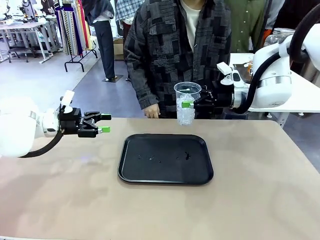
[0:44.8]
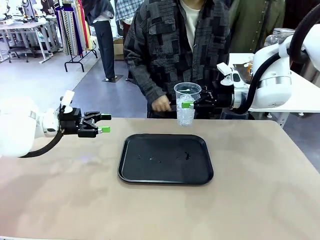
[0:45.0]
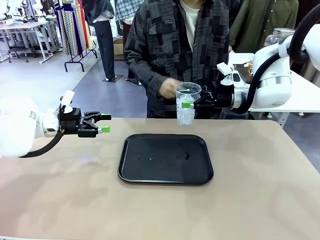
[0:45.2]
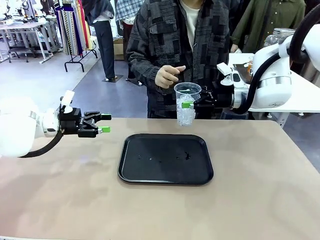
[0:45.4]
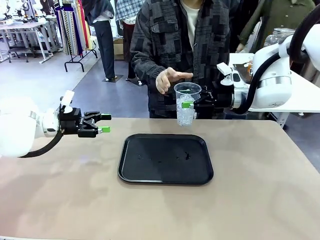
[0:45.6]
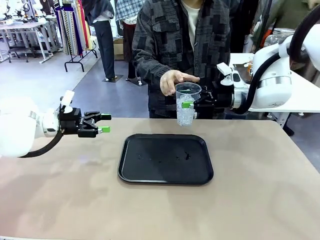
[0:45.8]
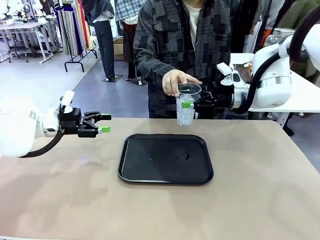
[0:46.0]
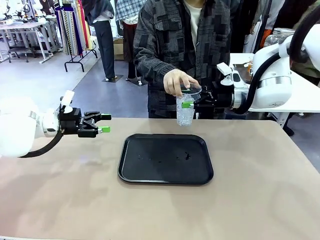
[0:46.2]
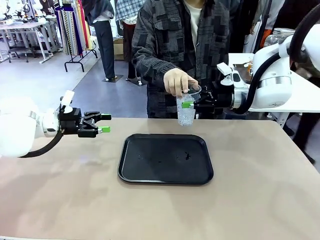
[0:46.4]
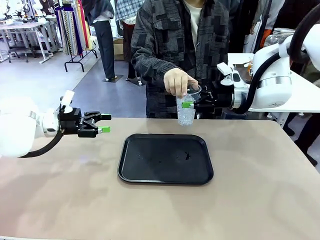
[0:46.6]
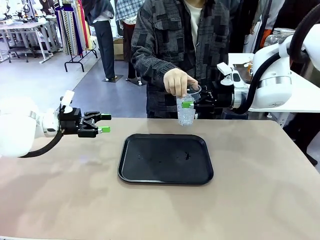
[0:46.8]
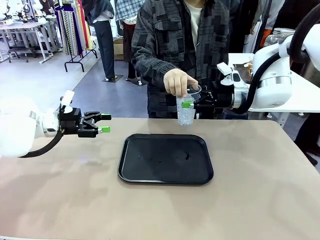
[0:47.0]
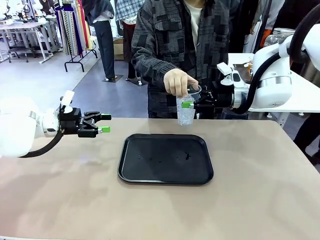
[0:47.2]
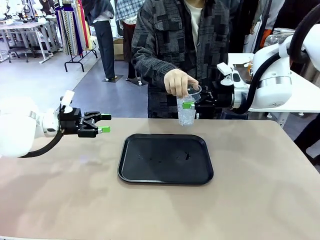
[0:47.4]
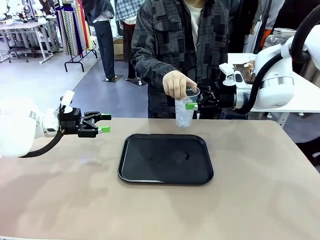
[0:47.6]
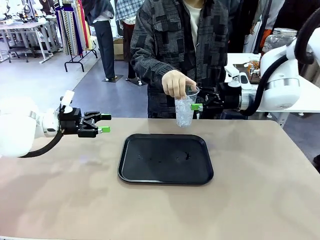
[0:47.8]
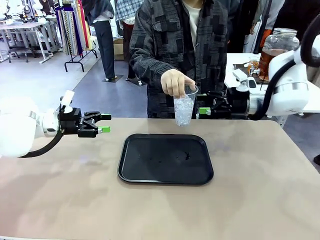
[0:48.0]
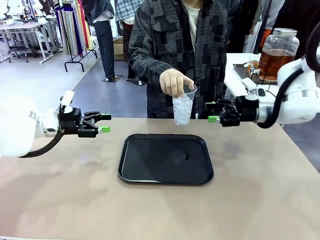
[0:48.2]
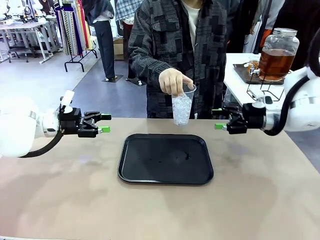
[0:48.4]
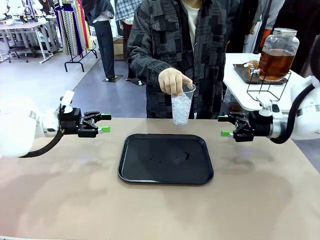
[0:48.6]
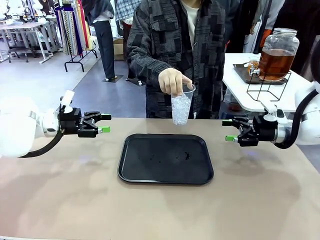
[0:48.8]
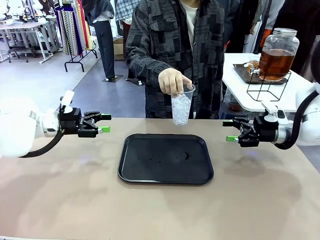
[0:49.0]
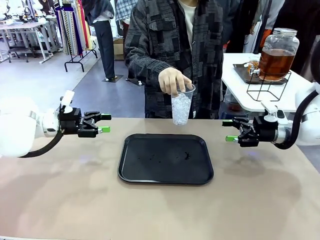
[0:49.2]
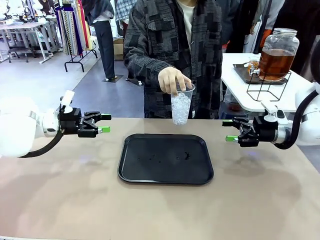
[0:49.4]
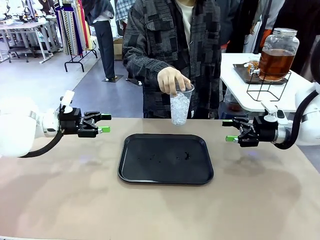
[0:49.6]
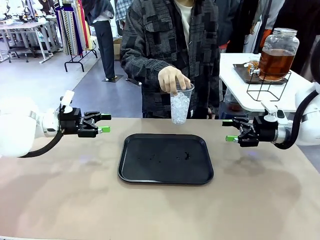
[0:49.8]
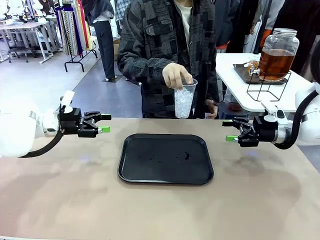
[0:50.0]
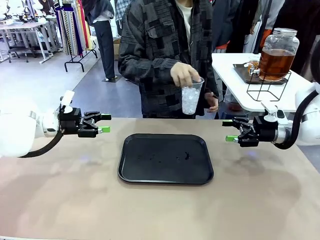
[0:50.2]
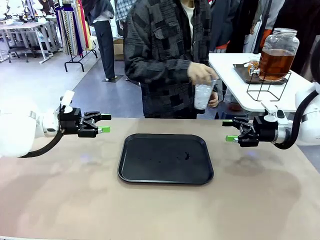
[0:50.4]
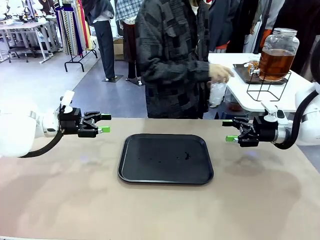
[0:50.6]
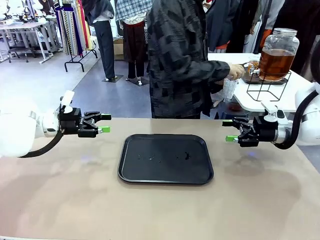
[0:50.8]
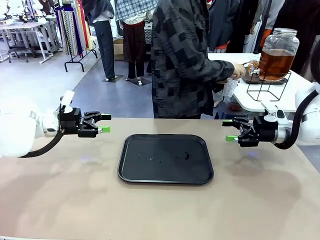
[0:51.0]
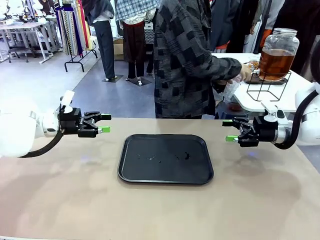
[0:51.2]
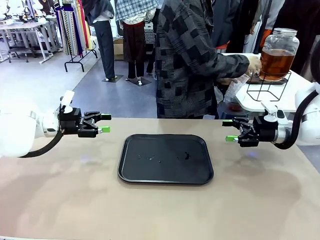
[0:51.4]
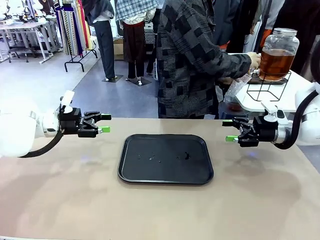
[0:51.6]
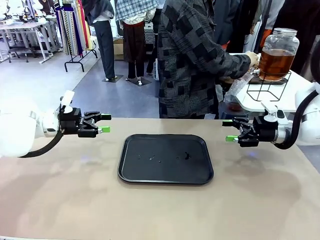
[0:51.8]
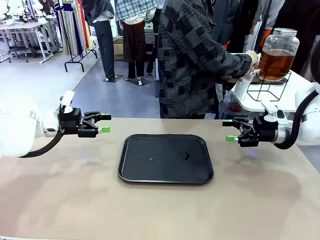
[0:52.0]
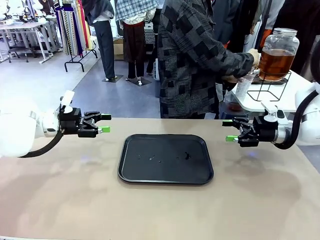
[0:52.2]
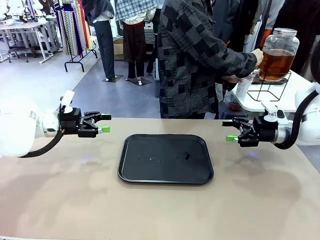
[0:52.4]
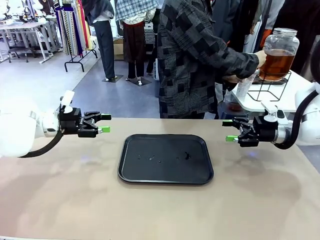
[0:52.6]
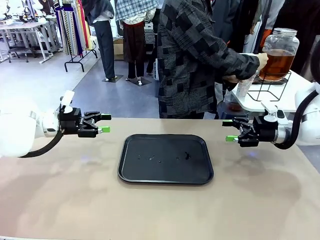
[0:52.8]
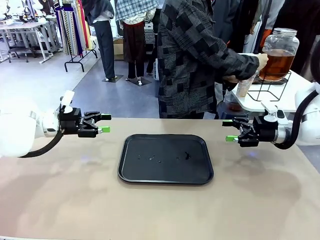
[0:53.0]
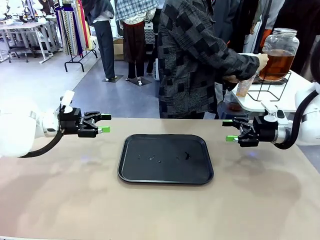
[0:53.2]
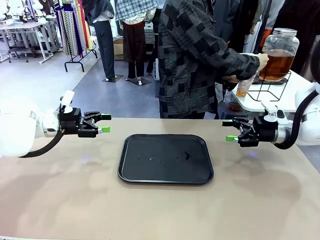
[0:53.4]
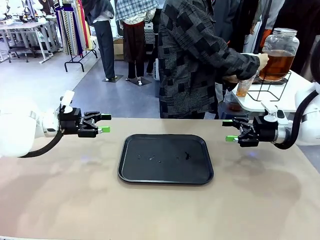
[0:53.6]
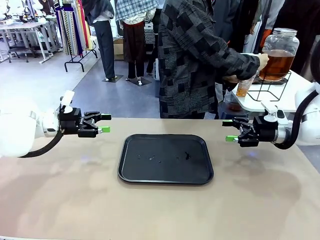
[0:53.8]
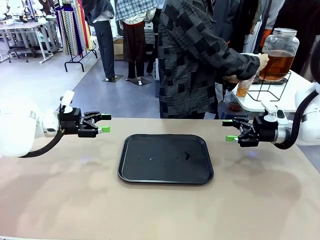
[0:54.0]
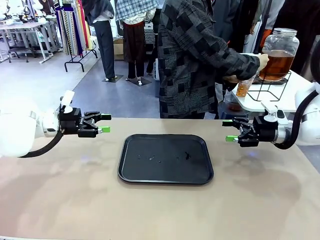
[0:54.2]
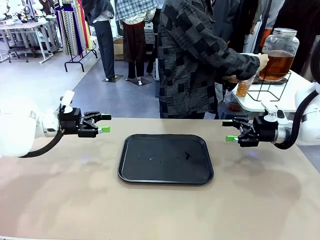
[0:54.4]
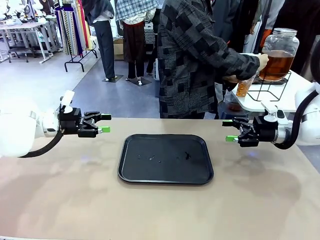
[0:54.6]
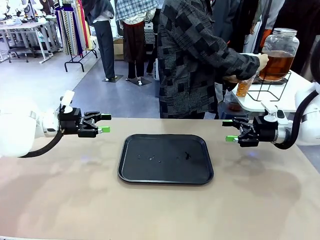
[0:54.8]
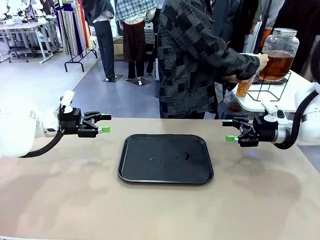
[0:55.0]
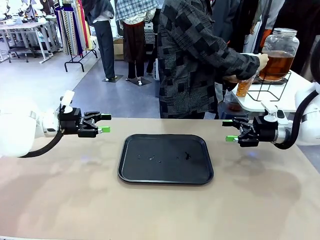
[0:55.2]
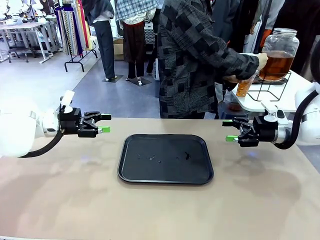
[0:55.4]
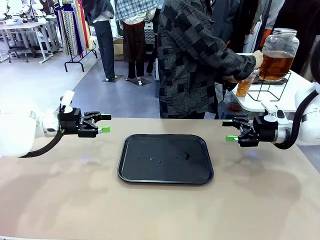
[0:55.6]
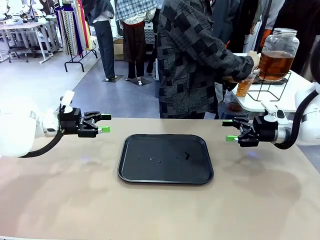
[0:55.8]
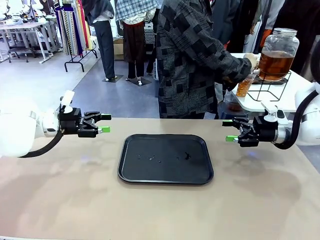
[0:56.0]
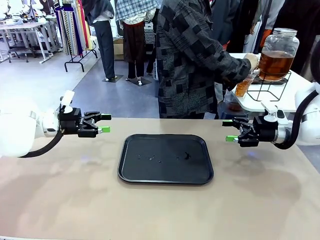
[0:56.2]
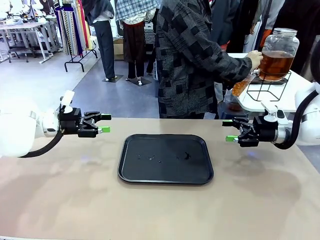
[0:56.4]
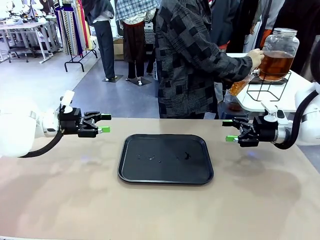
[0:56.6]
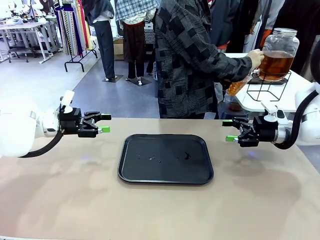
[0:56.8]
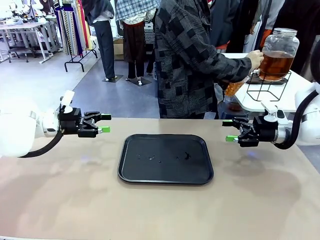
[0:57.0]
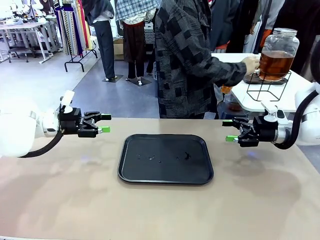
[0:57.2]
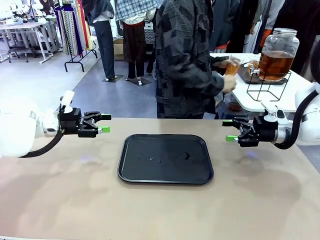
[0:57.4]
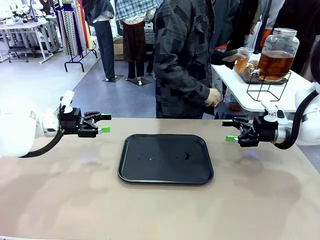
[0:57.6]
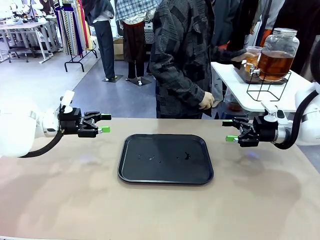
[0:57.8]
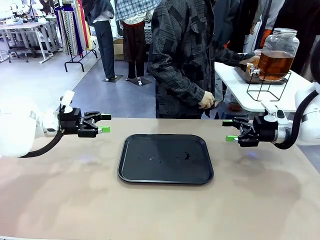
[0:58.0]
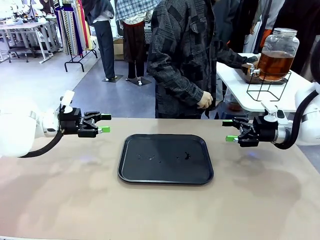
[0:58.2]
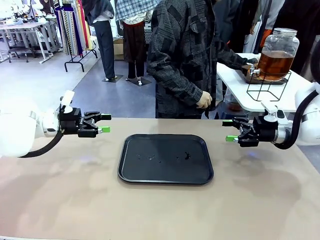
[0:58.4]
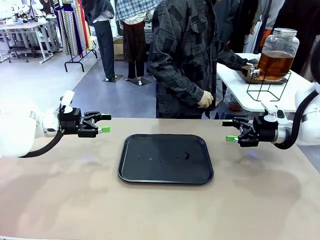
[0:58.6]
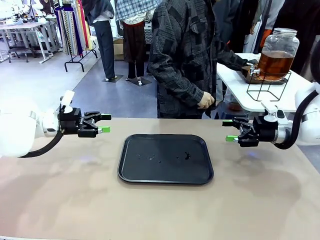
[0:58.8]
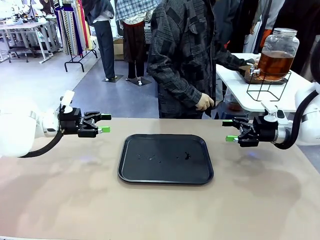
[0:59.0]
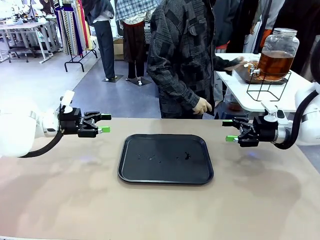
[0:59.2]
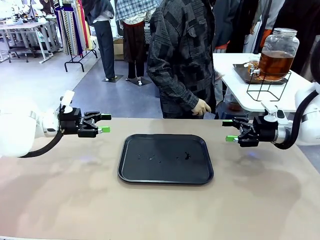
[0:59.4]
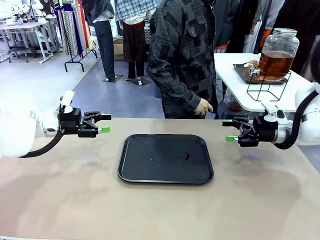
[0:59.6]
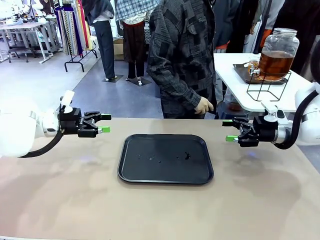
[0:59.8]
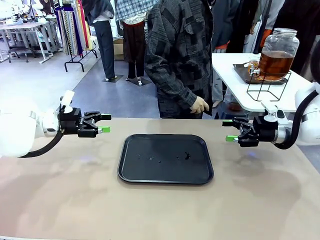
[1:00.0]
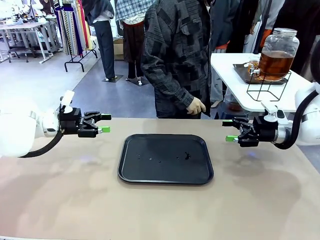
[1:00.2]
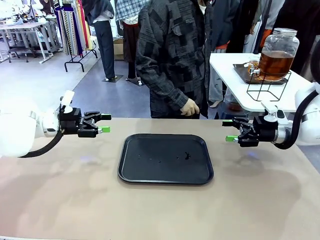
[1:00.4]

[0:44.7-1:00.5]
Task: Pour the drink into the iced cup.
Robot: Open the gripper to release the iced cup you were holding.
Person: Move the picked-up cup under the dispenser faucet, pour the drink, and place it on the tray on the human table.
